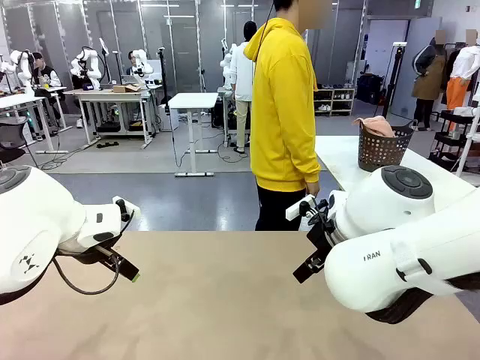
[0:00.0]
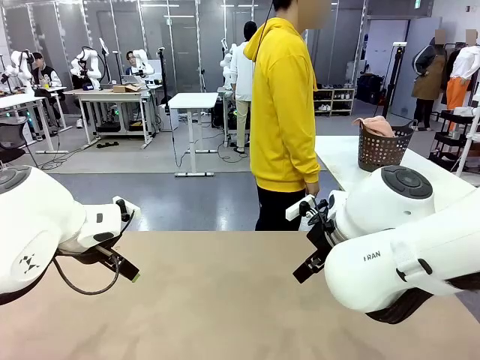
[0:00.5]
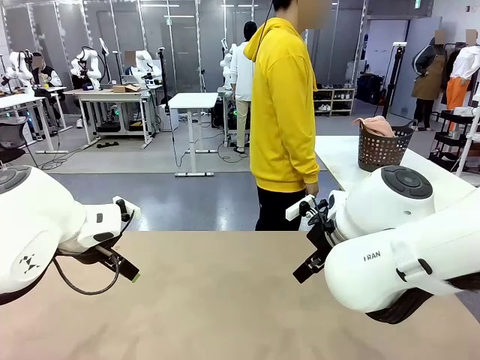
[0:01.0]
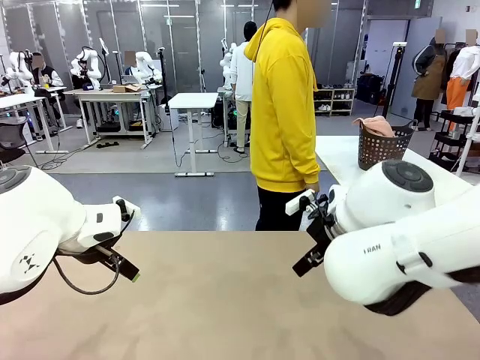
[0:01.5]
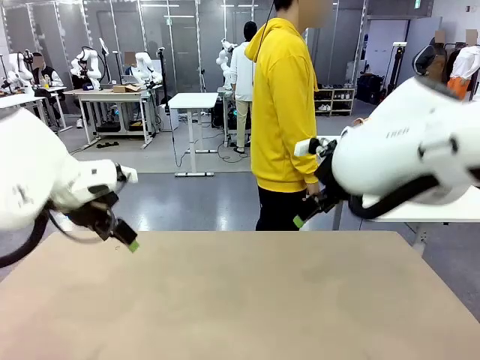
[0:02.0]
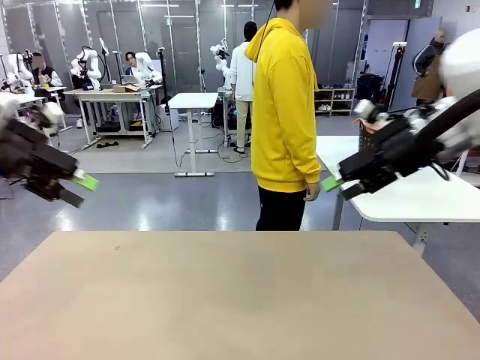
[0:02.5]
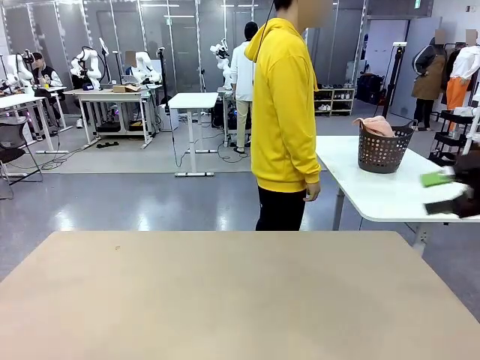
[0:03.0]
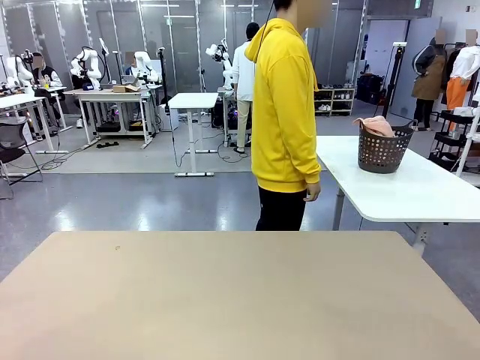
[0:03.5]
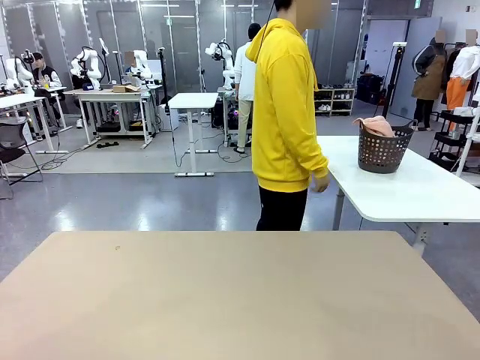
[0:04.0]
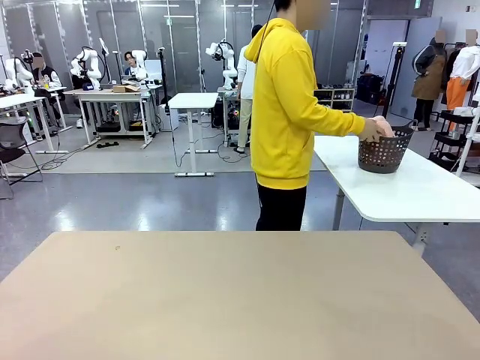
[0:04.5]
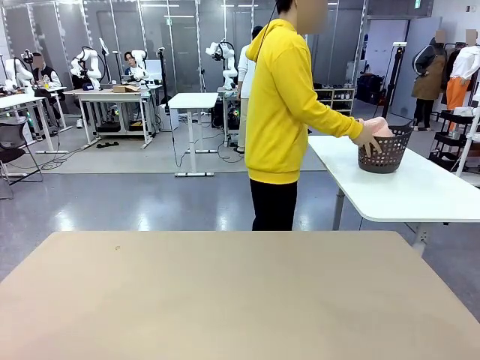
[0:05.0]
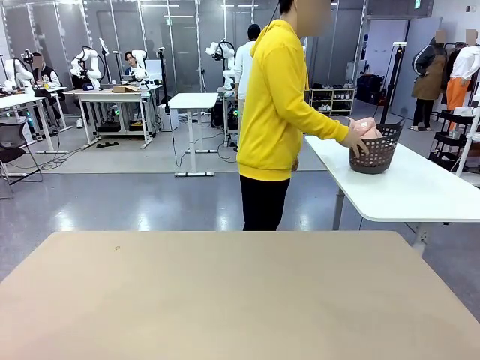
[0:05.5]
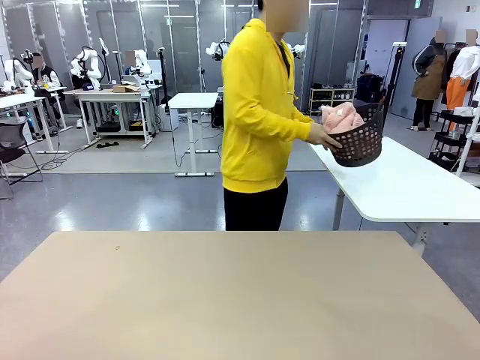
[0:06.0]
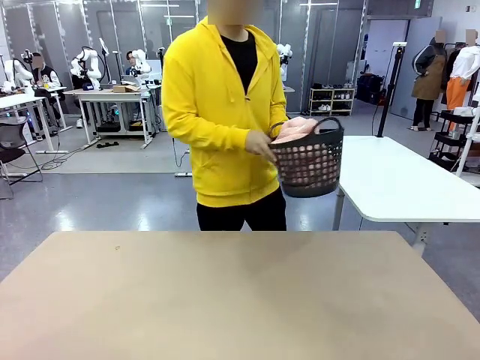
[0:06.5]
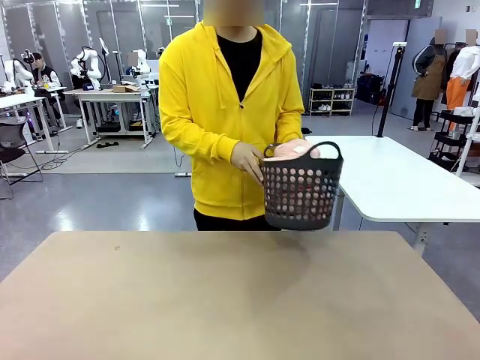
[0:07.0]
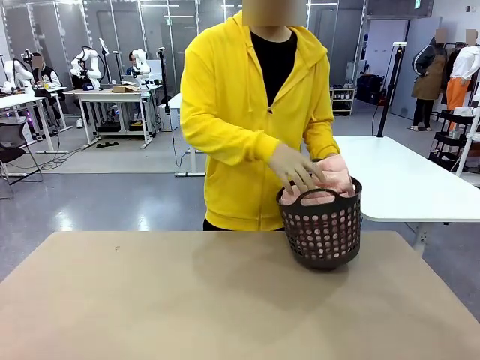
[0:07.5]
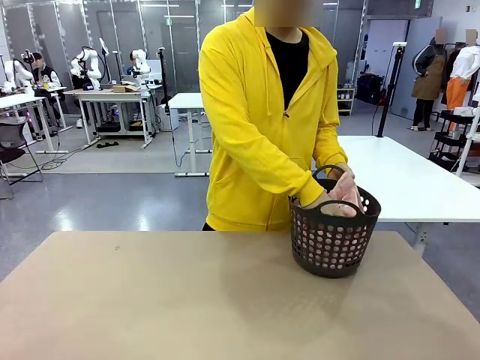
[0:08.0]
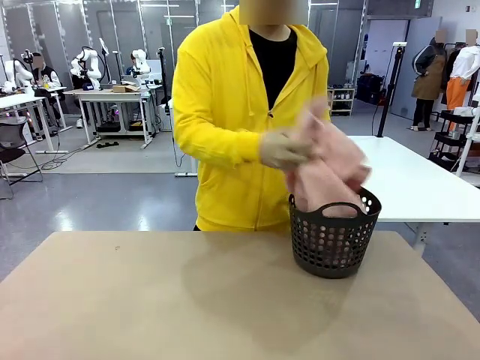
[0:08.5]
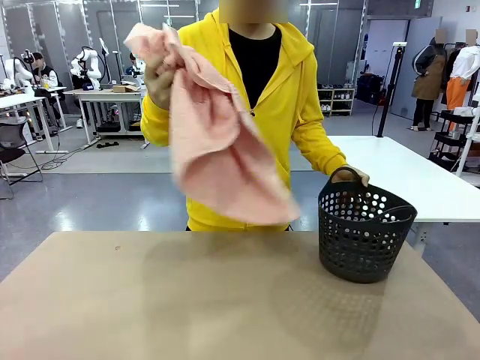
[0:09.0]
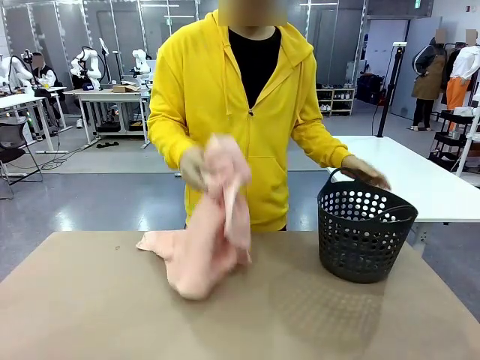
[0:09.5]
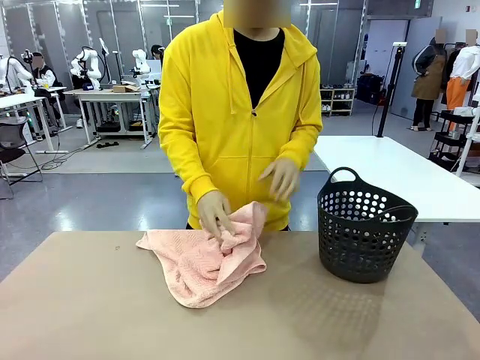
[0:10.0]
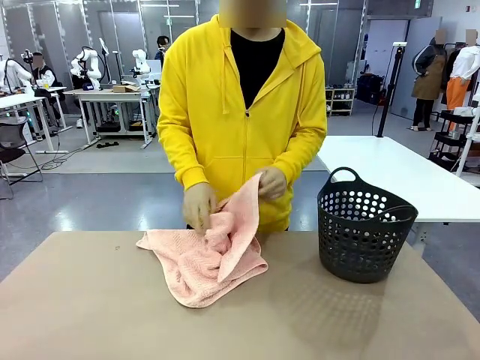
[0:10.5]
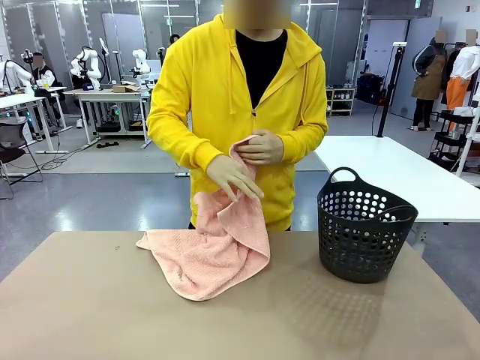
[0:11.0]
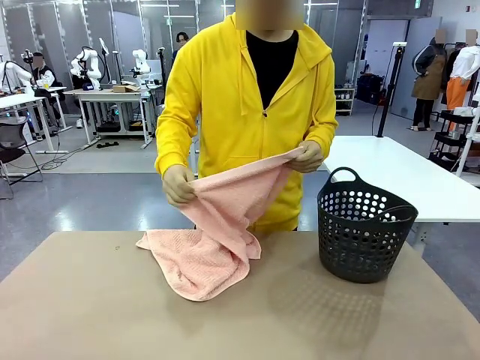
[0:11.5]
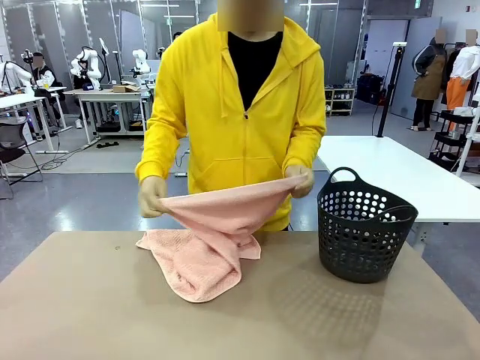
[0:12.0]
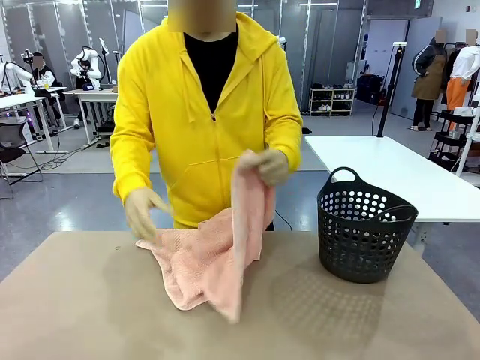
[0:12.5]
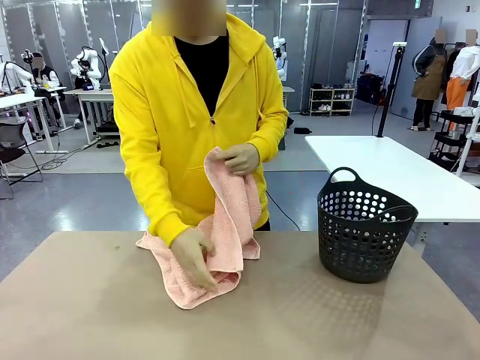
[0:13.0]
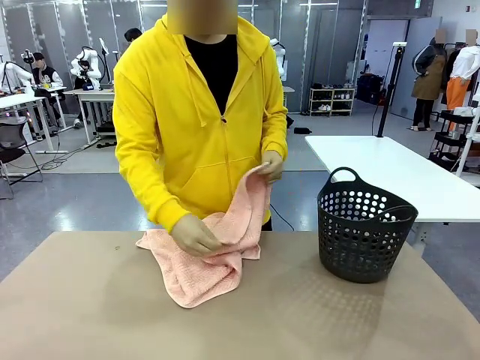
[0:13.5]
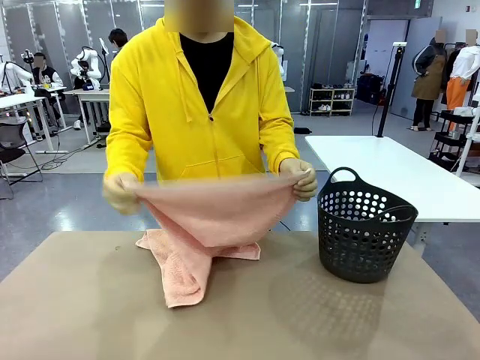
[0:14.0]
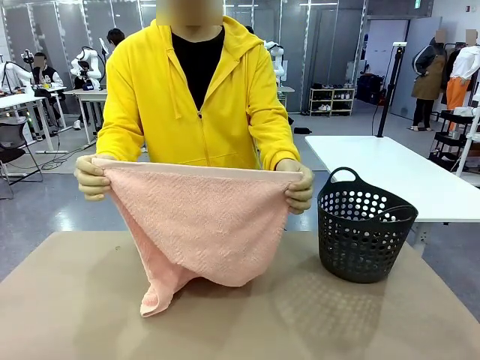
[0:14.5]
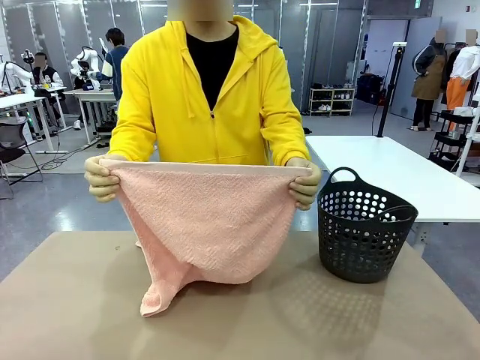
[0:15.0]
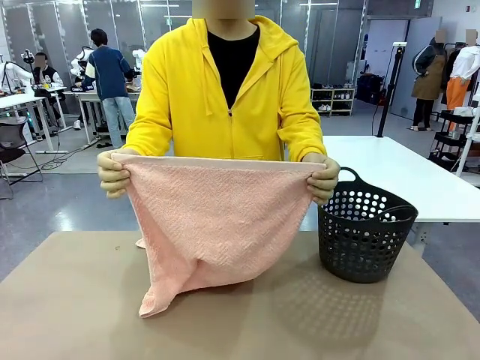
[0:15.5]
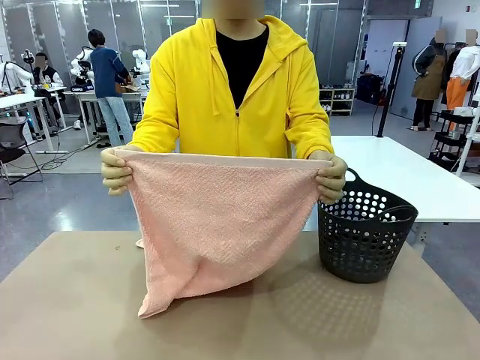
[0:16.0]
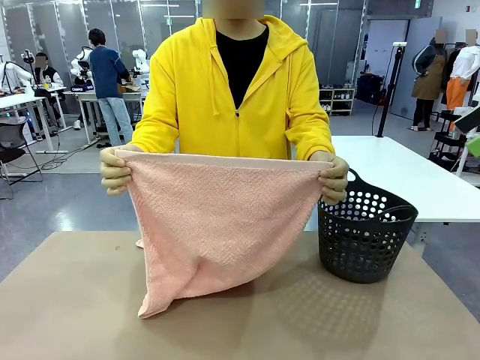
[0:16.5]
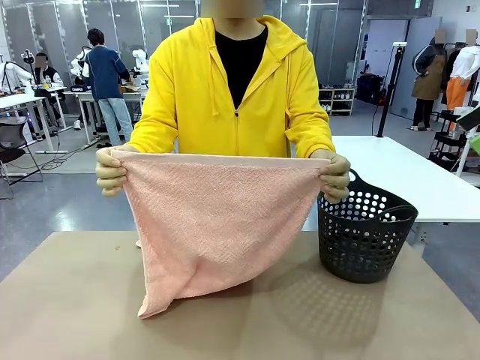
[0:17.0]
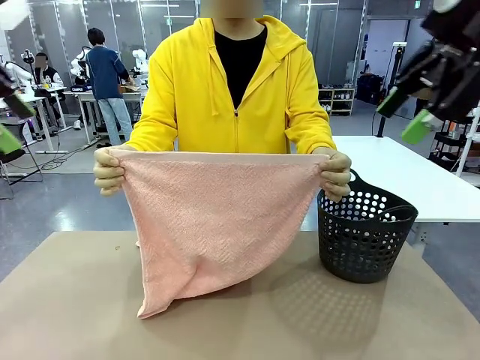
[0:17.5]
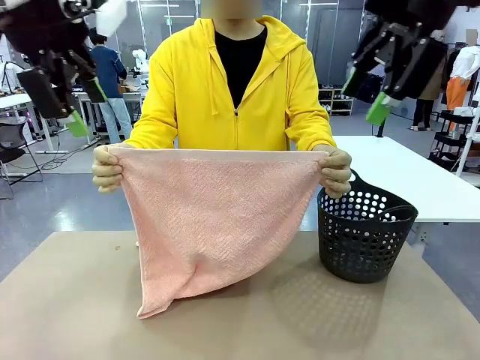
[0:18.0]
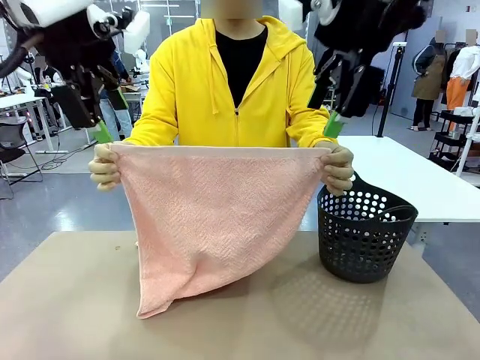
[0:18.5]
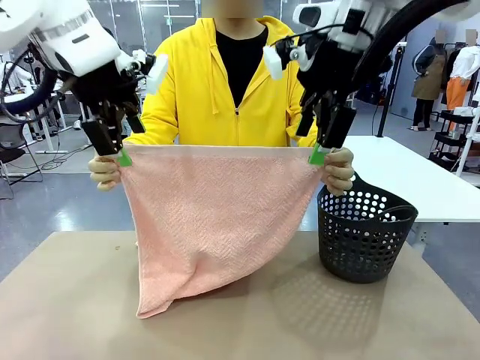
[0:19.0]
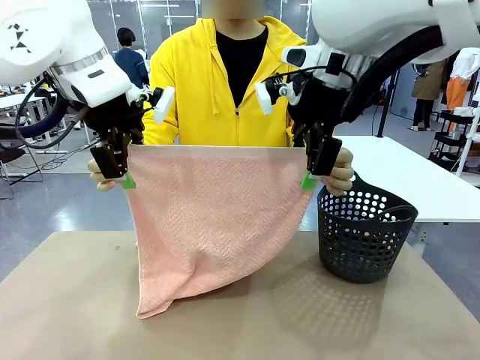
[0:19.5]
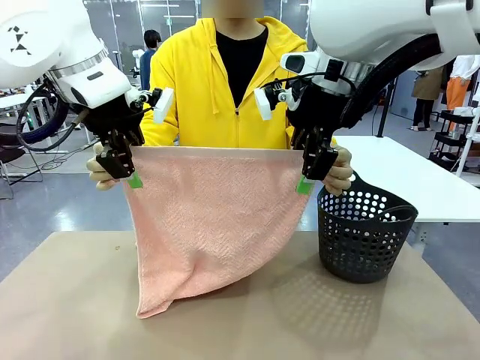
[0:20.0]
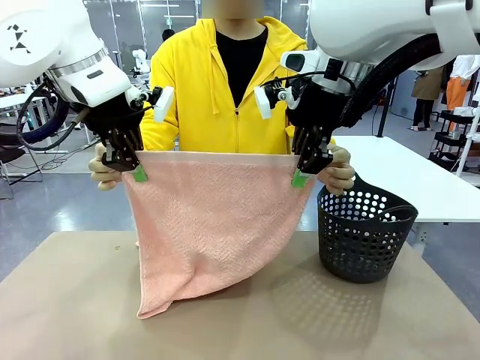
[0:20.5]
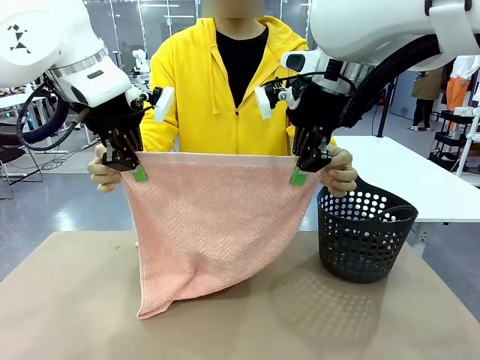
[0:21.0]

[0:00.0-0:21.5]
Task: Fold the towel.
Robot: Grab the top end of the 100 cm Hotel Towel extended by the human.
Person: Pick up the laundry basket, place it on the left side of the robot table, then take out a towel and hand it to the robot while holding both corners of one end.
